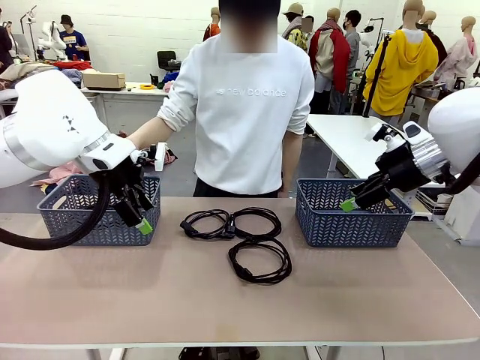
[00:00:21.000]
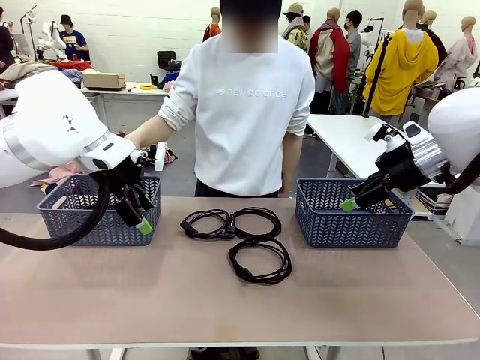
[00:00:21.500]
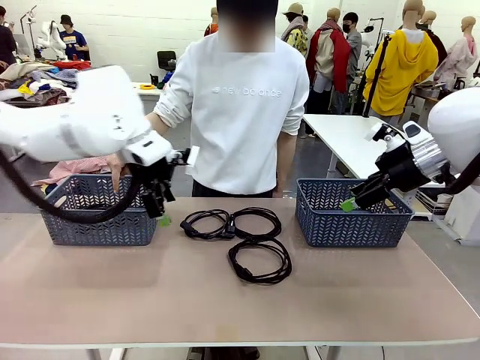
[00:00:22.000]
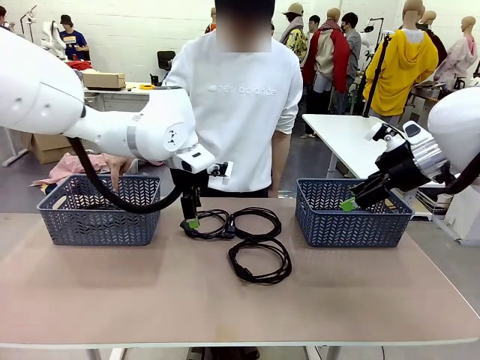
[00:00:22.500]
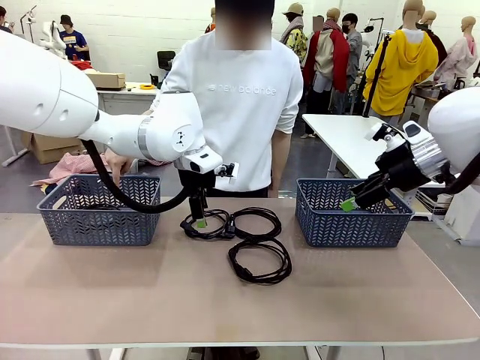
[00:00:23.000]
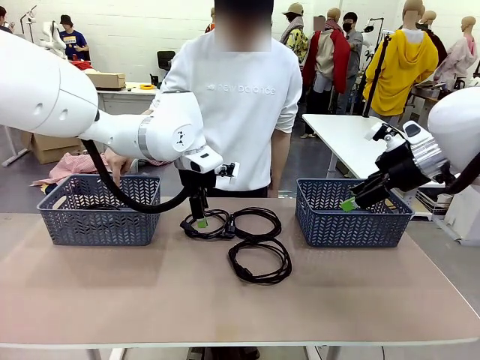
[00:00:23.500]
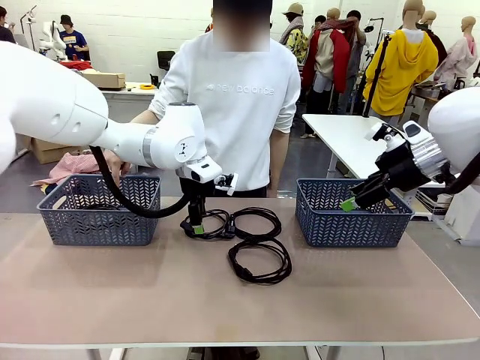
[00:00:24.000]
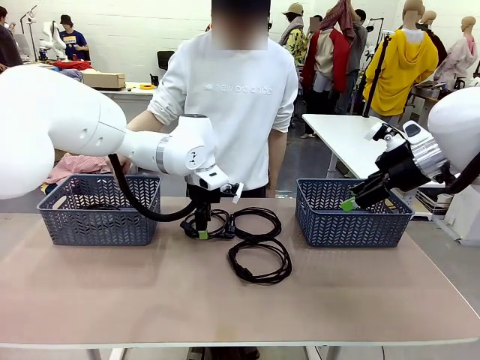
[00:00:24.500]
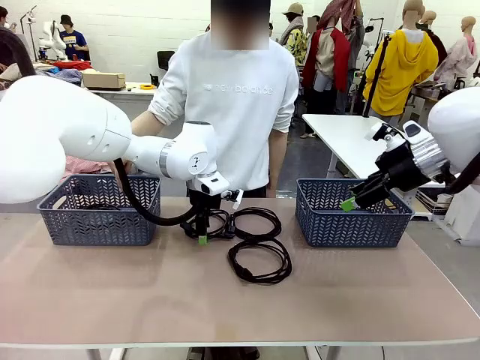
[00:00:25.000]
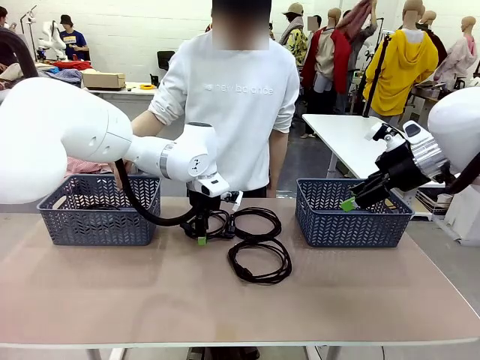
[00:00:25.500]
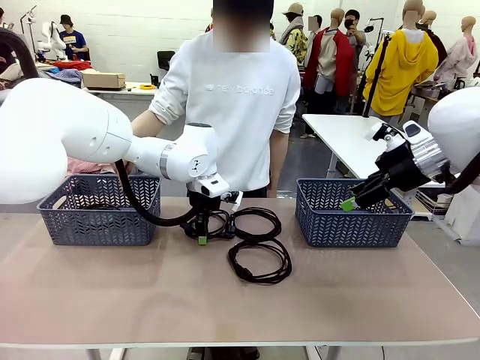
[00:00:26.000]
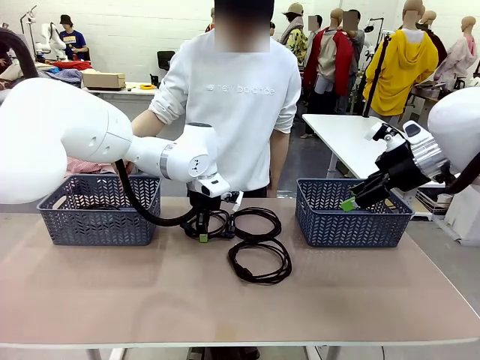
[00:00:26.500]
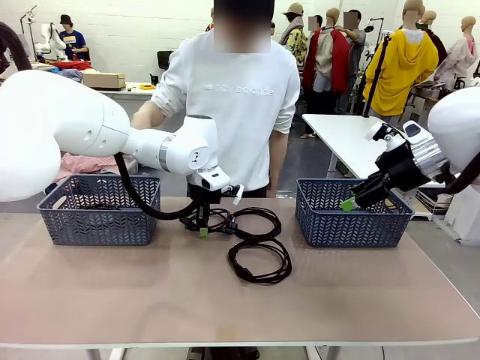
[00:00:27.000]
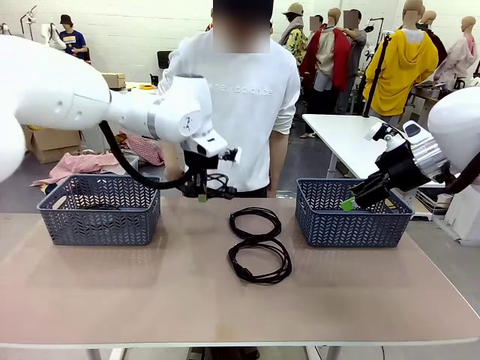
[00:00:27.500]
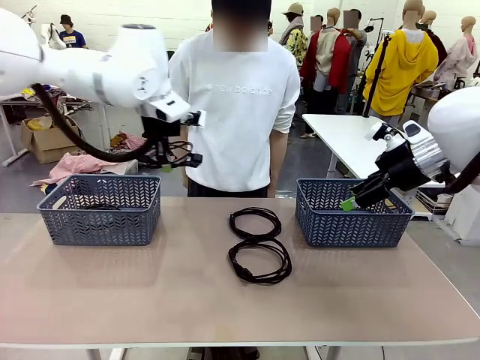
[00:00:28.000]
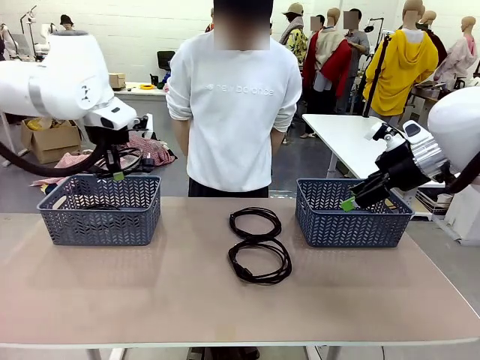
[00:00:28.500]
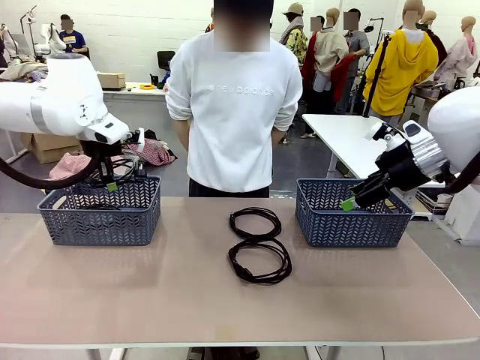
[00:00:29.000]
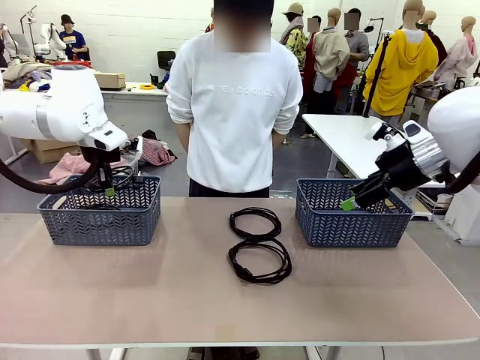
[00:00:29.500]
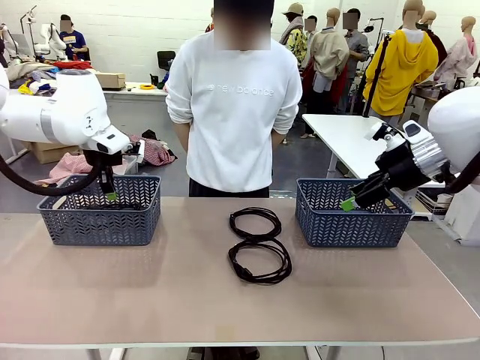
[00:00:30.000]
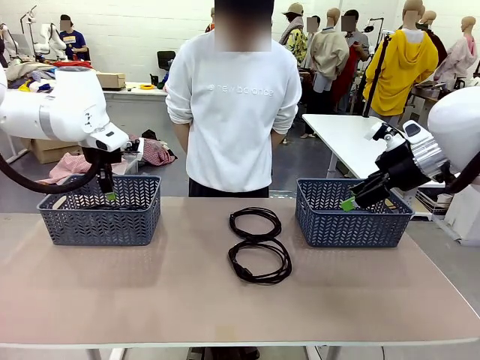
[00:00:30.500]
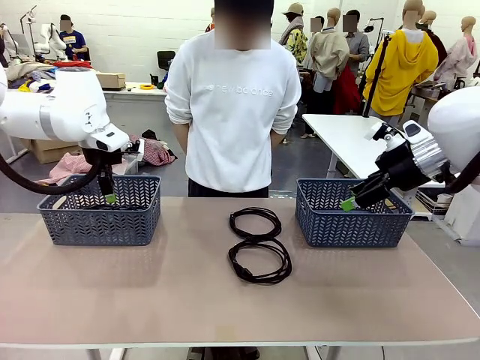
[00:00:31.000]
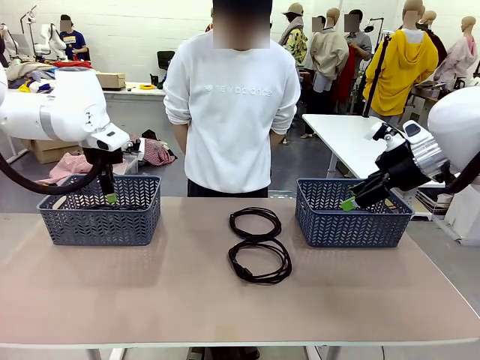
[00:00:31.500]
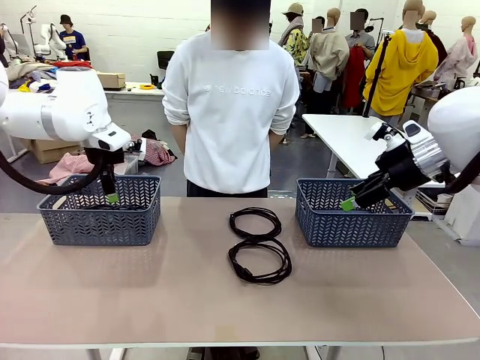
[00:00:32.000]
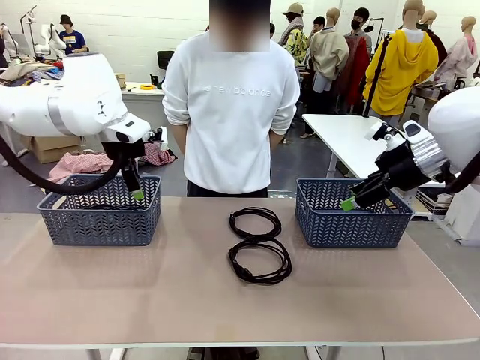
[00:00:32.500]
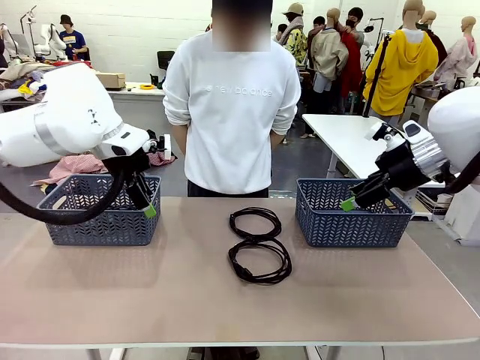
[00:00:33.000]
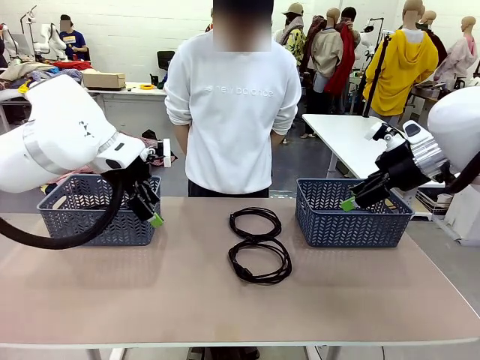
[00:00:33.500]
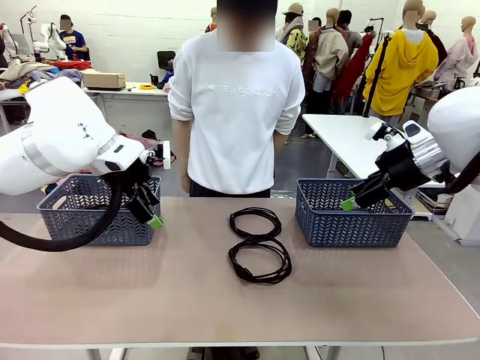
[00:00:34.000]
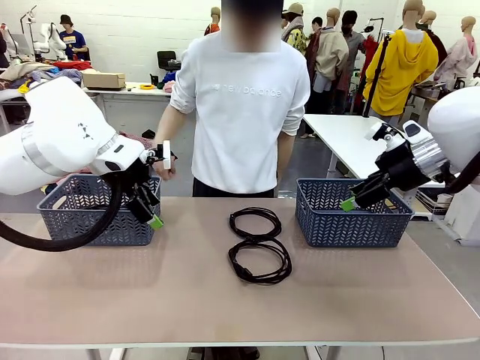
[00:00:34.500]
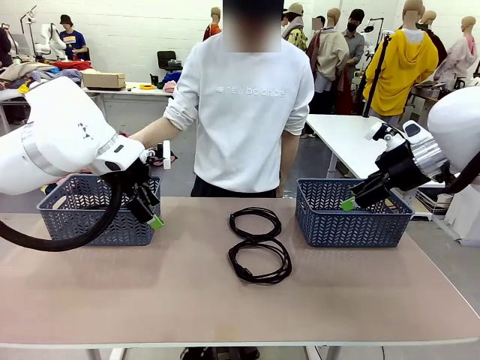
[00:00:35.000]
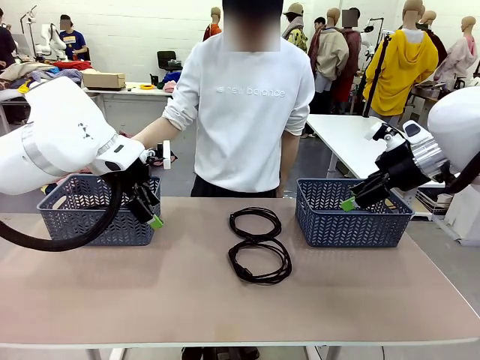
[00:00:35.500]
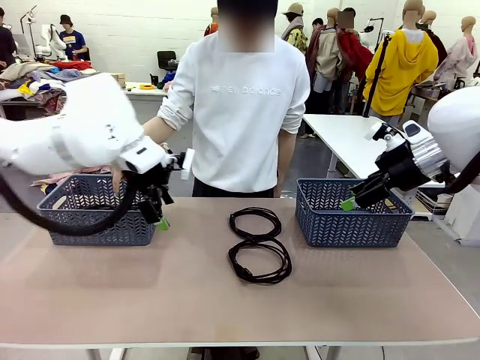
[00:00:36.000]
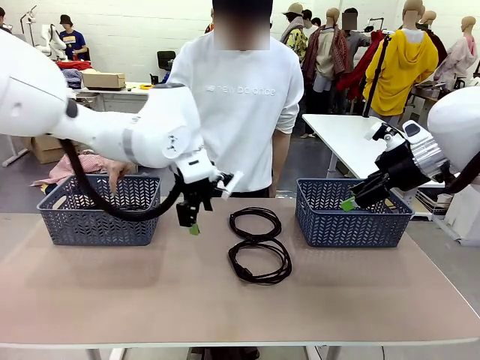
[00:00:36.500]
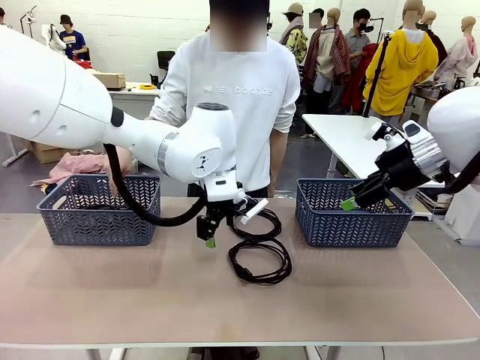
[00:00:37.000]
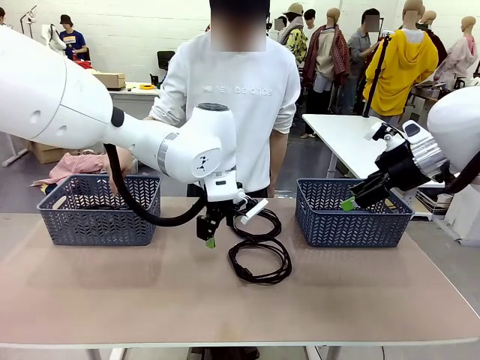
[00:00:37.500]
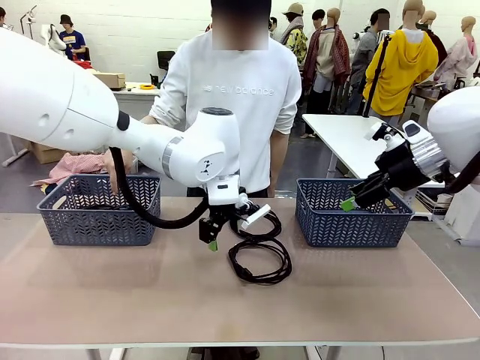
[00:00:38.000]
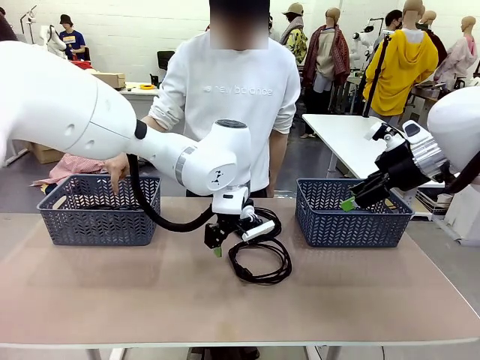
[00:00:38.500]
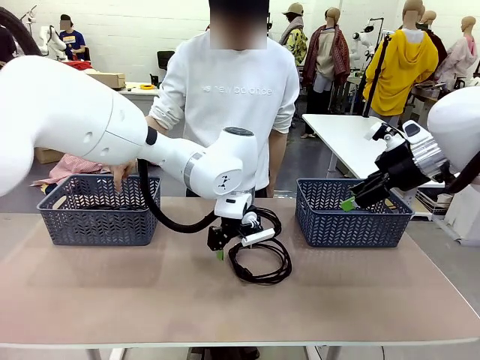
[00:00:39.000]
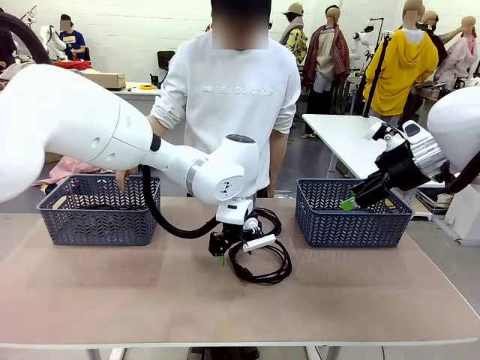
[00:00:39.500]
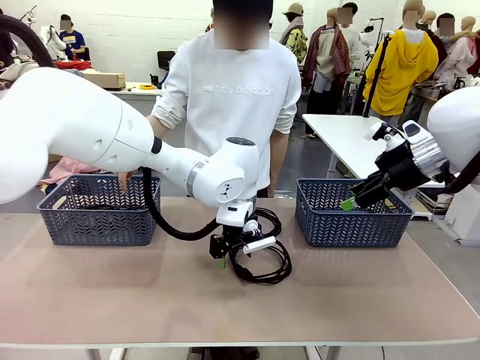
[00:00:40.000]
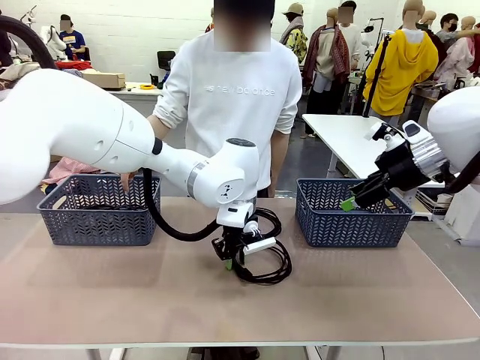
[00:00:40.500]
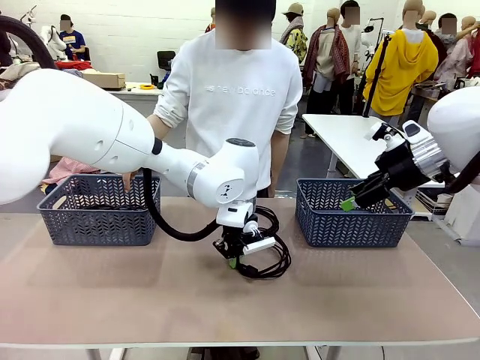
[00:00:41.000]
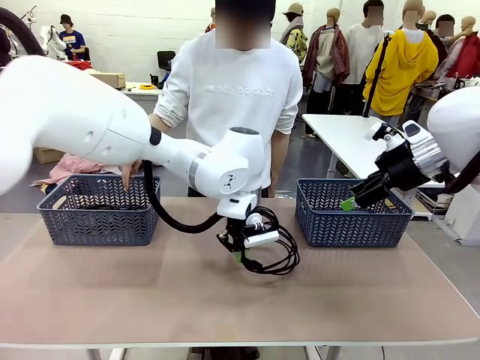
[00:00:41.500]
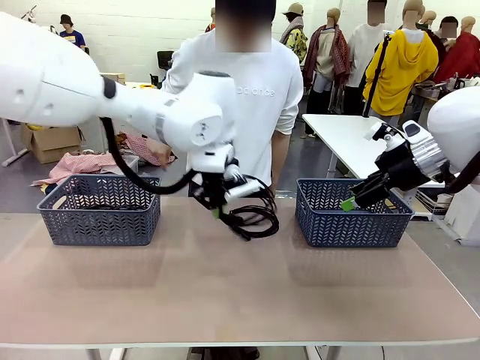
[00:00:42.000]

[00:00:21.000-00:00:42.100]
Task: Organize the cables according to human instructions.
Robot: Pick up a bundle of cables and place it in the basket indicated by the human.
